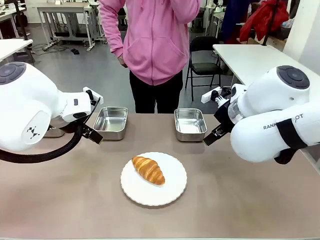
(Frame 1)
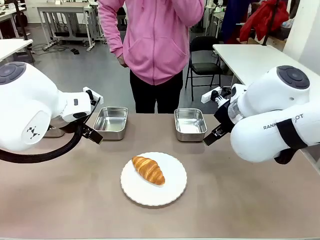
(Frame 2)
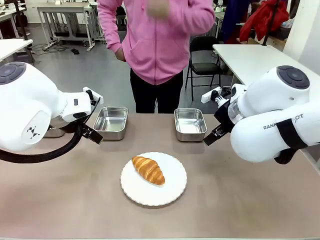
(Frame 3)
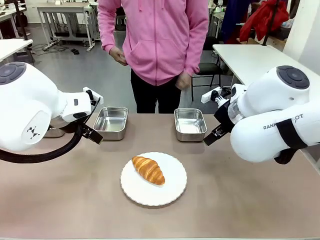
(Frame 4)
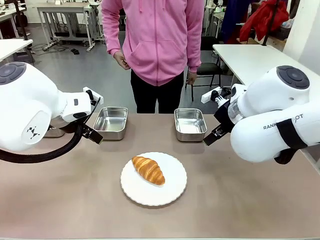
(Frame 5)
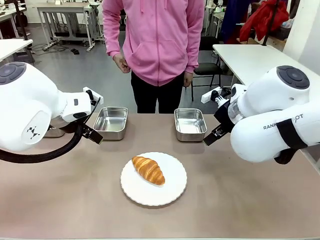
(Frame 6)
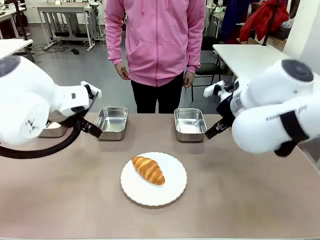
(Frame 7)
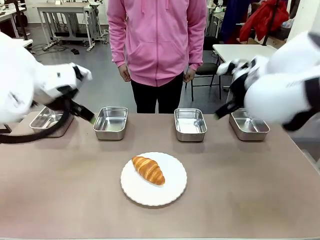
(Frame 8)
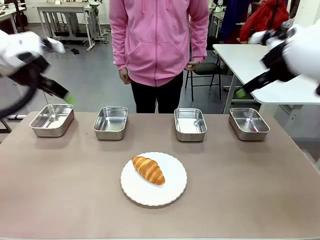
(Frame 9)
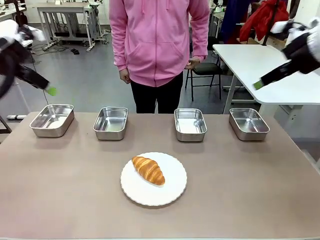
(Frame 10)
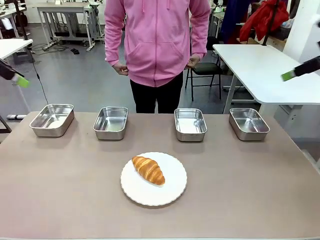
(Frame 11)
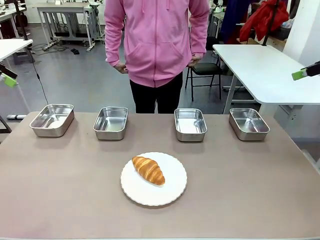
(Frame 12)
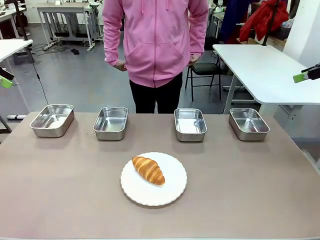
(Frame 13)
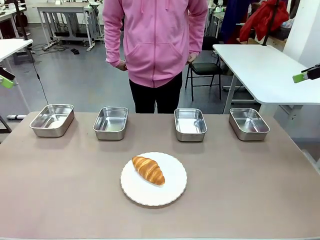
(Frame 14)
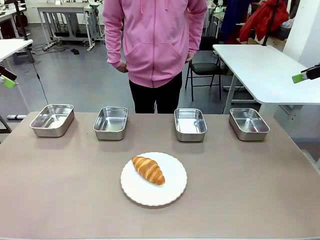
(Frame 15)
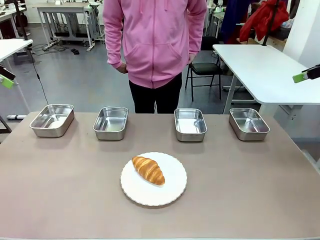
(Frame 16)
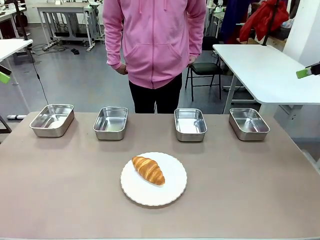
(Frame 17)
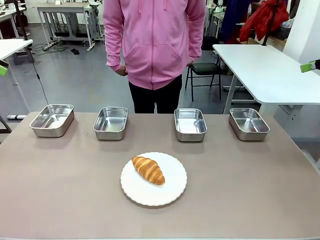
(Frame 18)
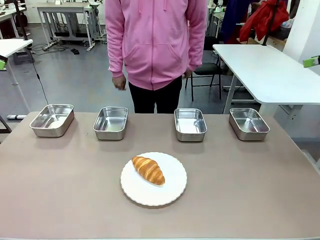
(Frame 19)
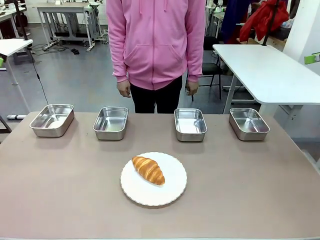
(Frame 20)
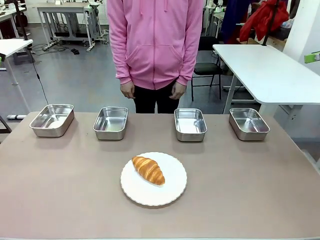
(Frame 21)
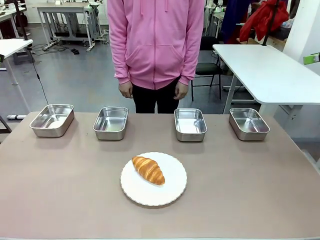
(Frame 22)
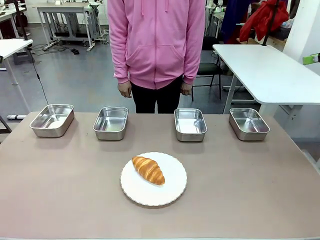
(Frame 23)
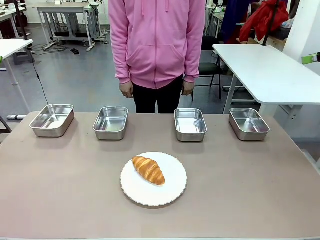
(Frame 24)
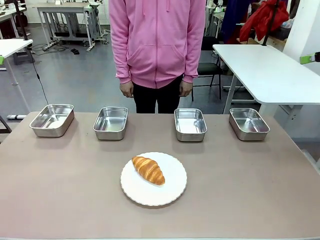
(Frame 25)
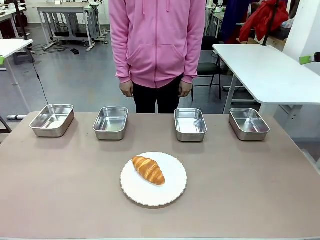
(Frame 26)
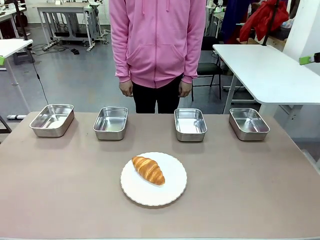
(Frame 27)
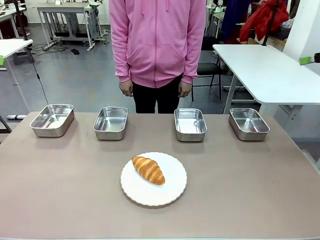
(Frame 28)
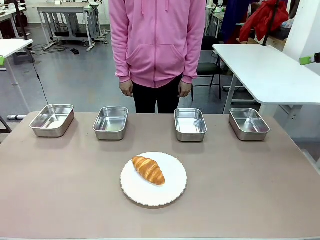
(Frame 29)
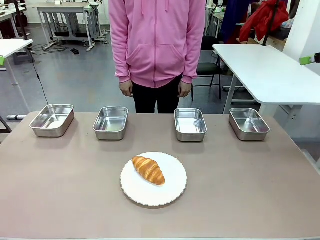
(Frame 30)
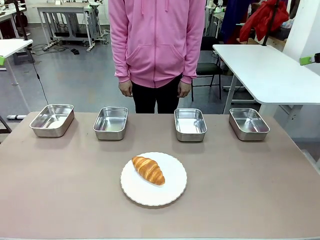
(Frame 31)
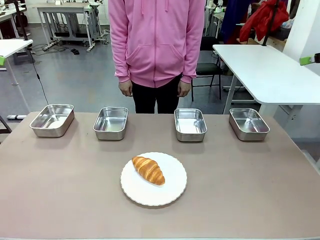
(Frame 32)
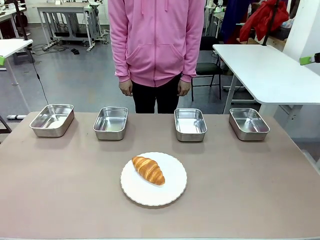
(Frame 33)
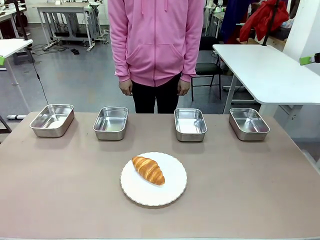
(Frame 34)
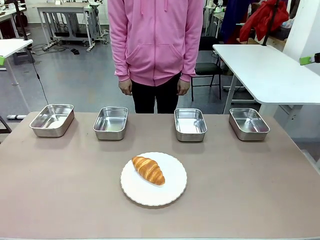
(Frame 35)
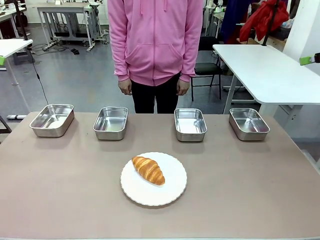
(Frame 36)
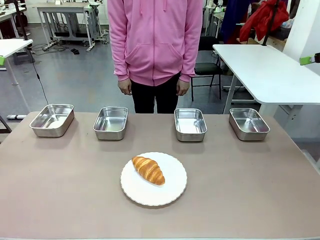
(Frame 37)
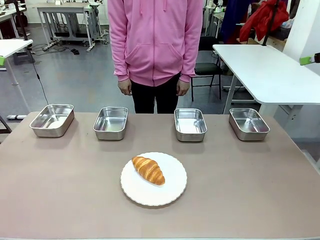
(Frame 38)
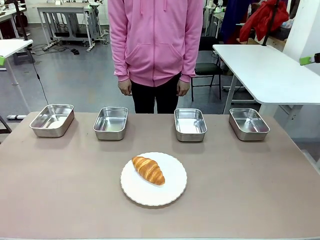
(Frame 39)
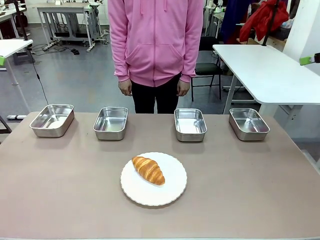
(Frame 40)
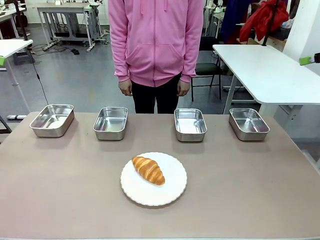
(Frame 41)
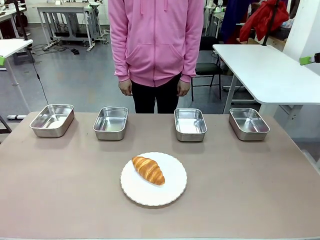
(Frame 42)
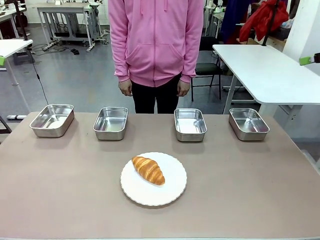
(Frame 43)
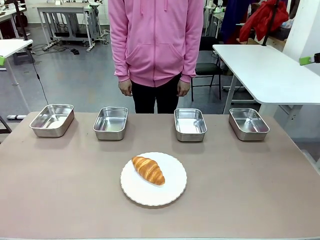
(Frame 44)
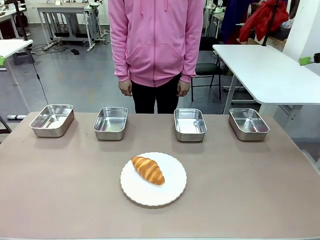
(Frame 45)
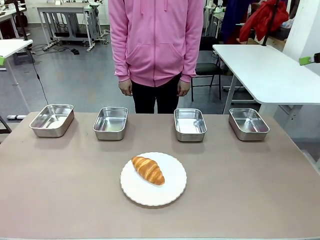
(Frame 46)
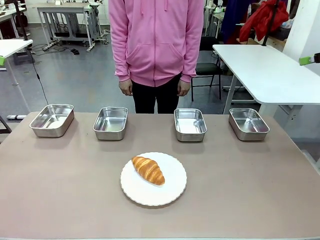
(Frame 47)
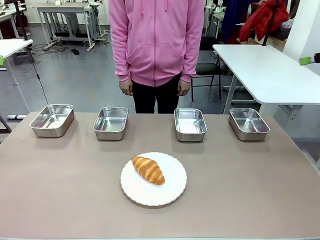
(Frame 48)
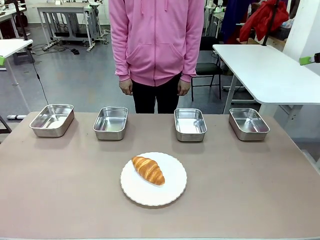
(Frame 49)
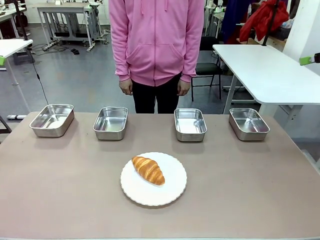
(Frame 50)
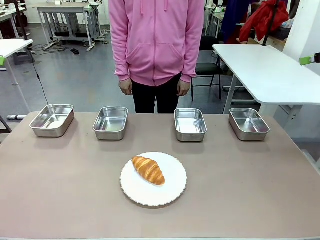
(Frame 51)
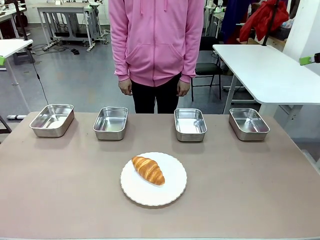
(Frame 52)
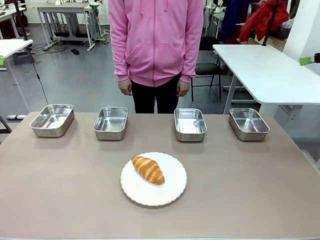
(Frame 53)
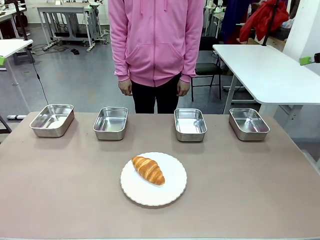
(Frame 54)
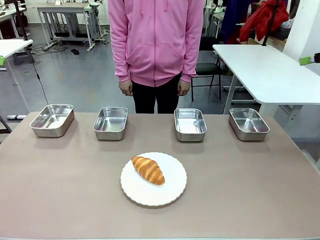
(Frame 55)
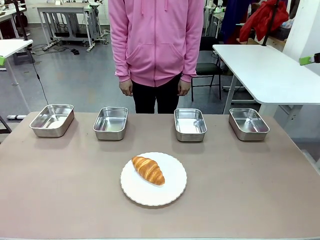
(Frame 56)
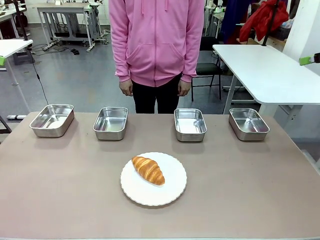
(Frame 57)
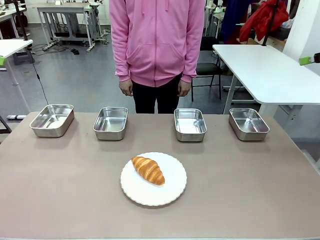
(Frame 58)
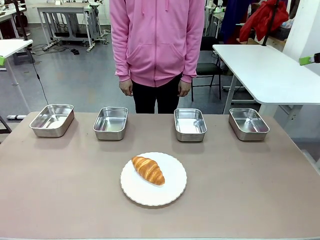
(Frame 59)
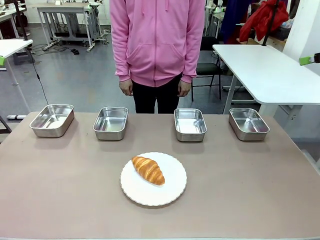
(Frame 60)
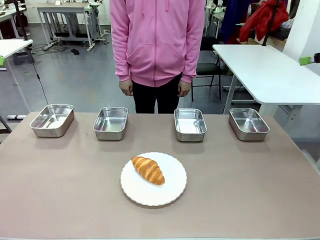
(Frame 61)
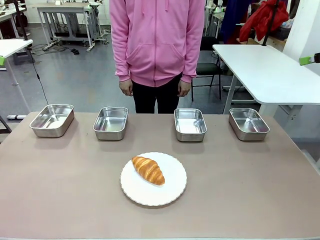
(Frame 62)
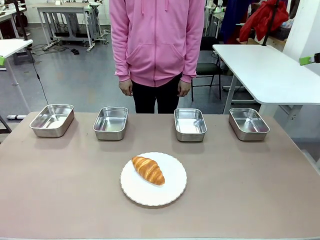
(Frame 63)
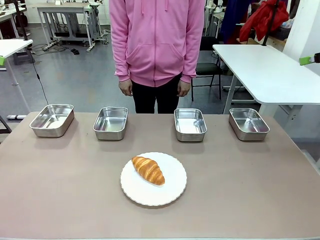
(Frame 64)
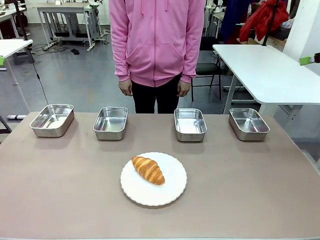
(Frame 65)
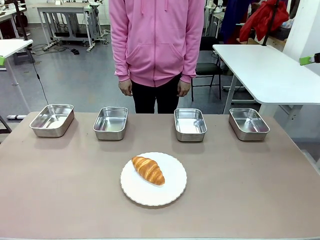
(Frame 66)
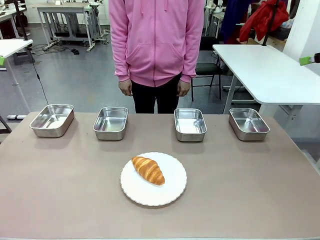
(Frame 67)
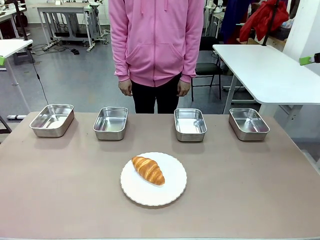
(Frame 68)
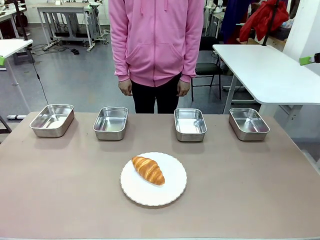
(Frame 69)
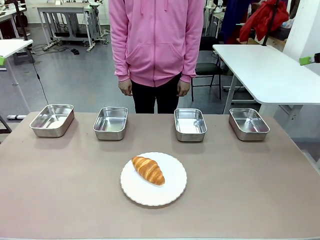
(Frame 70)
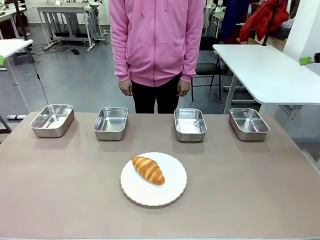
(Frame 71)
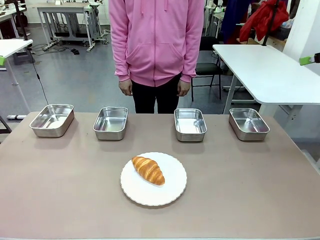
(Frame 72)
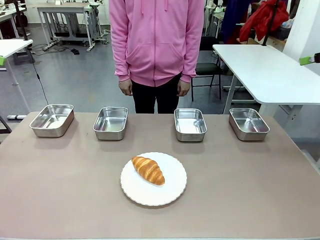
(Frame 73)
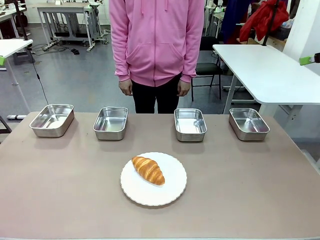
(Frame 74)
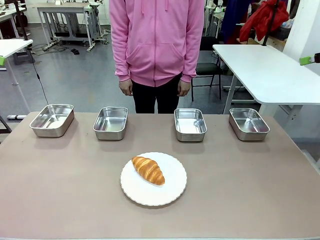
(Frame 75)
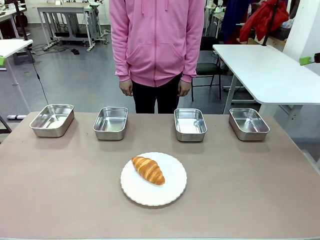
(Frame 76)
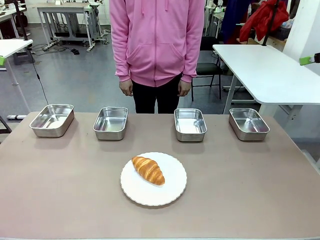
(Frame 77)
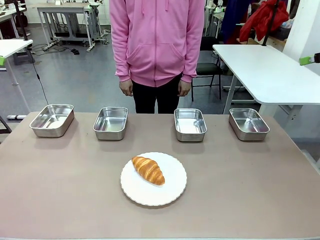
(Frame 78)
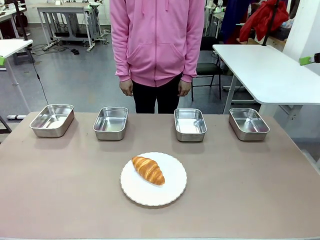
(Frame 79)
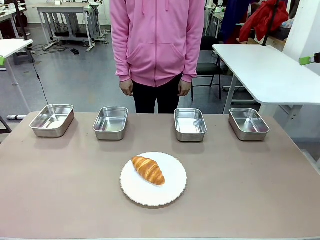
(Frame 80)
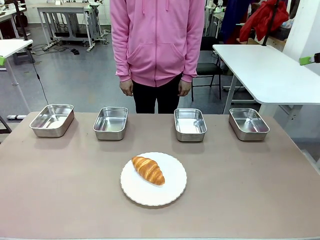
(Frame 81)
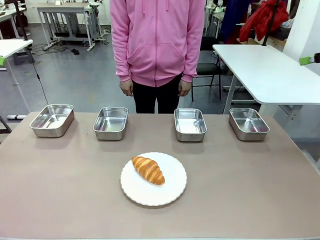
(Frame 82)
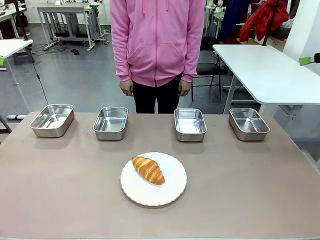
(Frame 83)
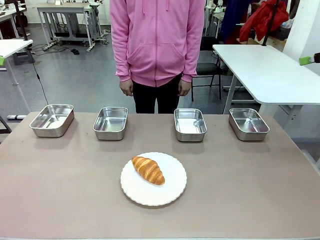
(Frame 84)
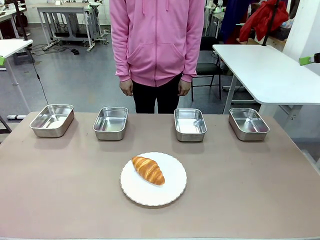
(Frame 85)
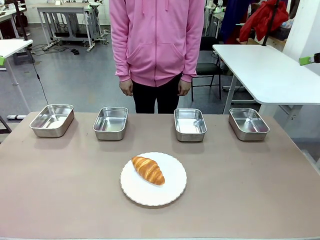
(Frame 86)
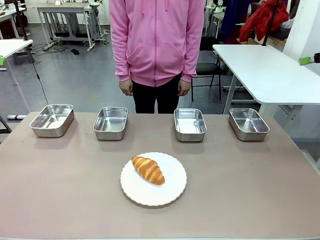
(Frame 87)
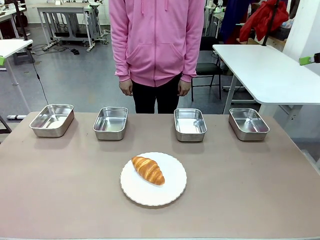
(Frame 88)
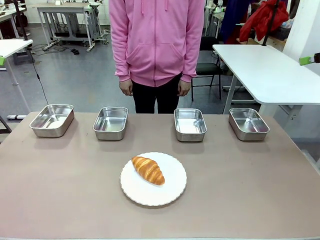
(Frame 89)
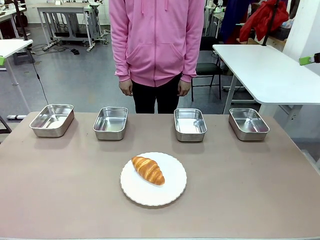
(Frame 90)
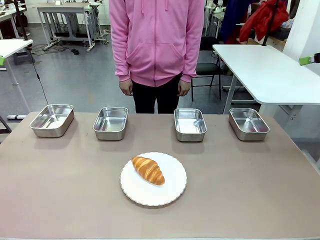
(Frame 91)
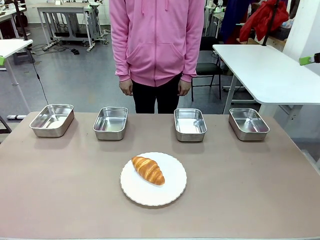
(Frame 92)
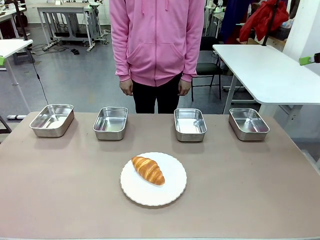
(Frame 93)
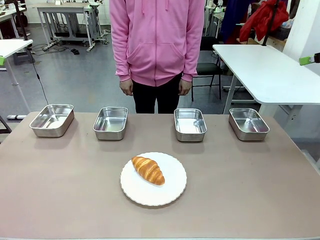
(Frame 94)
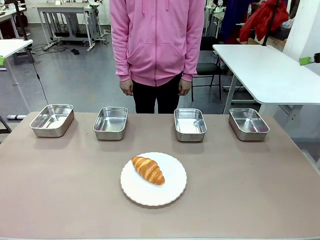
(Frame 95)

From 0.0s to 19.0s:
Task: Place the bread in the container.
Robot: Place the Butter Roll into the Airtight Container indicated by the human.
